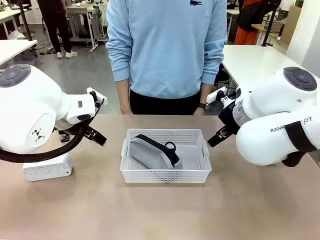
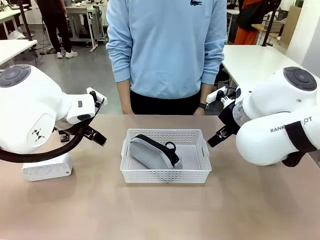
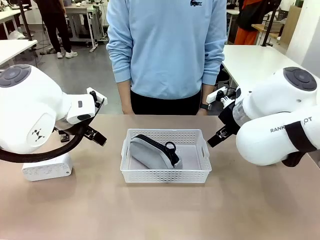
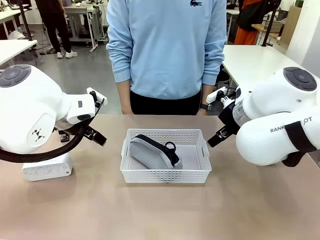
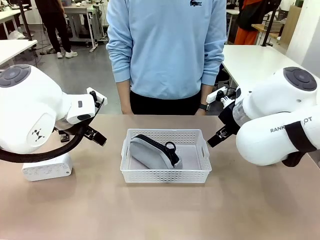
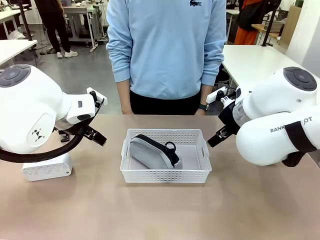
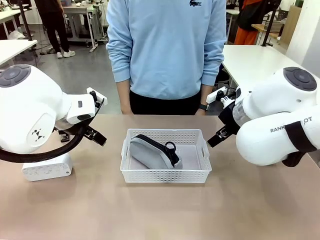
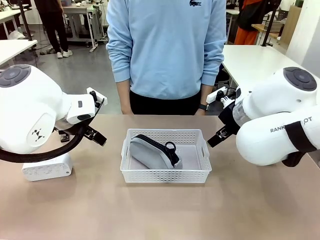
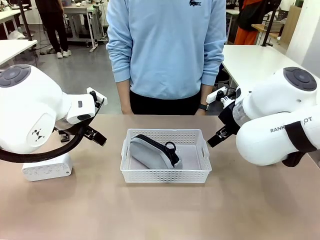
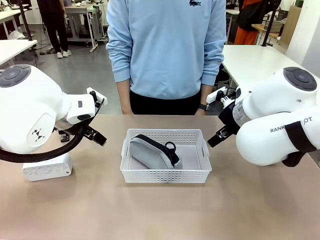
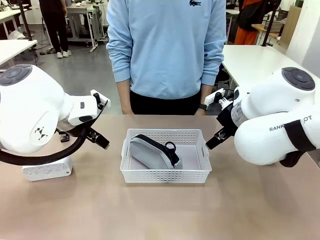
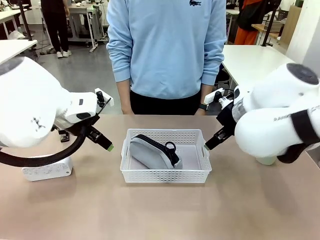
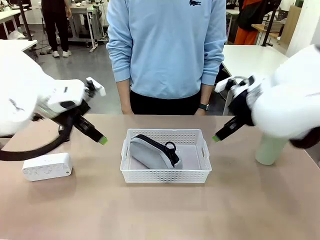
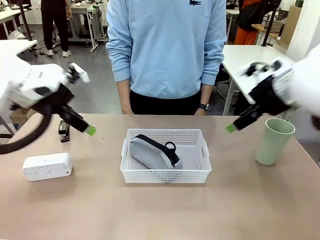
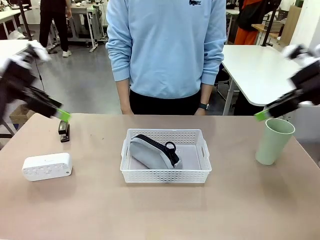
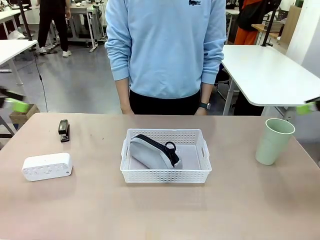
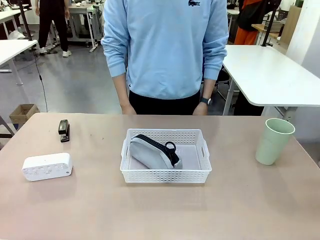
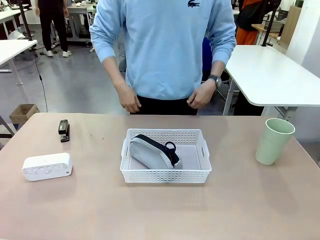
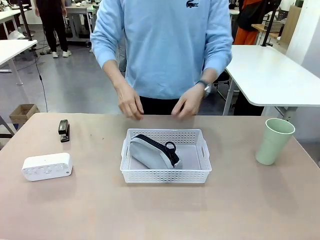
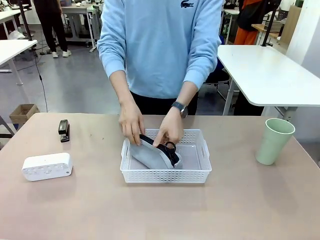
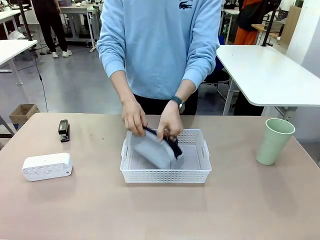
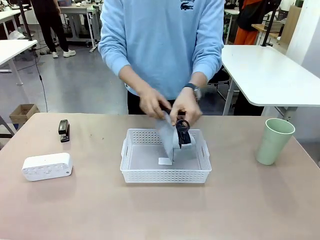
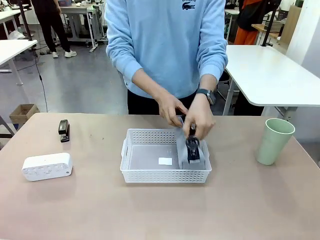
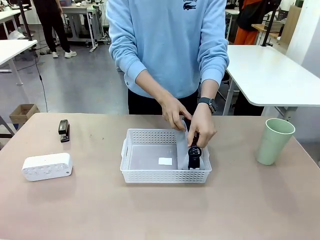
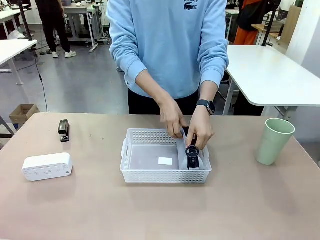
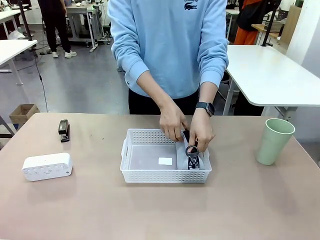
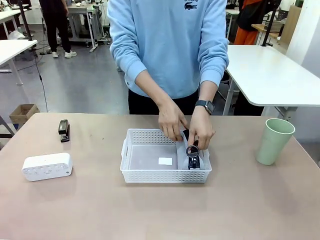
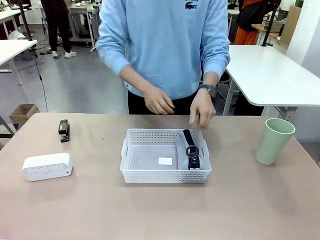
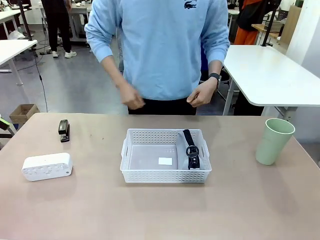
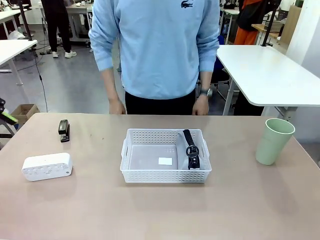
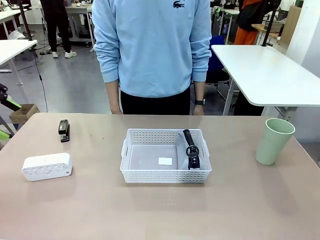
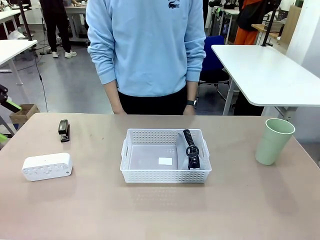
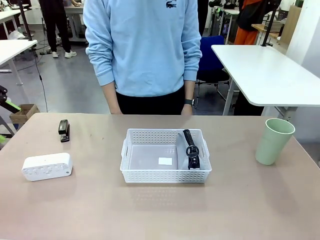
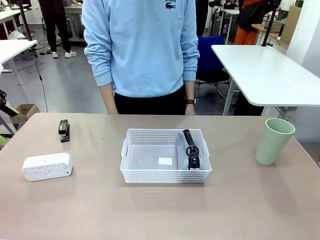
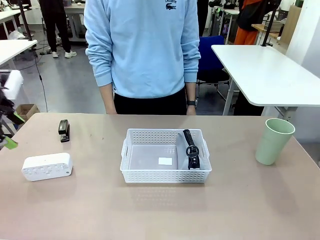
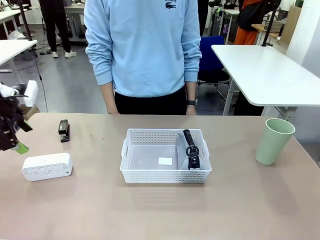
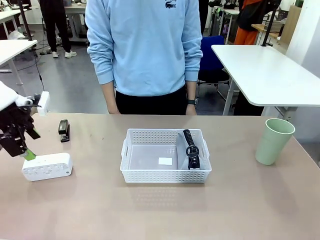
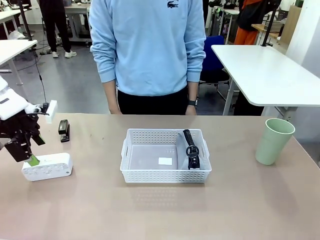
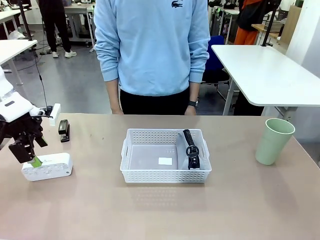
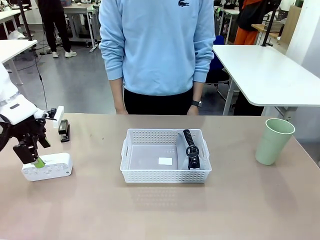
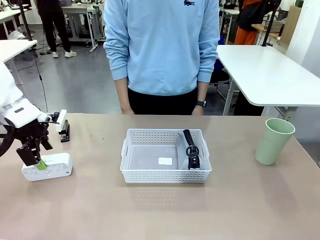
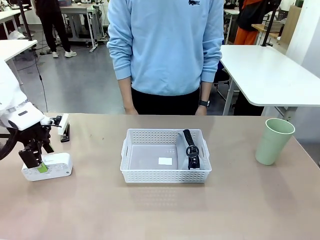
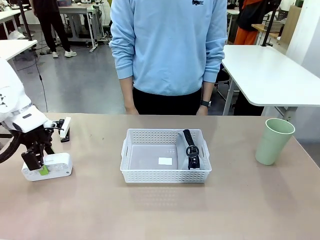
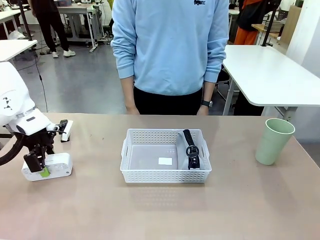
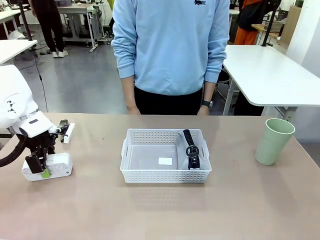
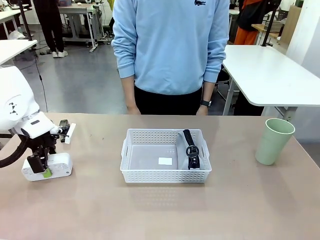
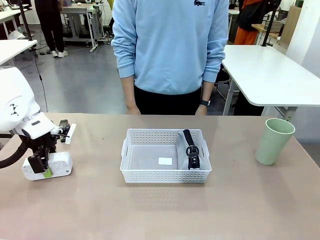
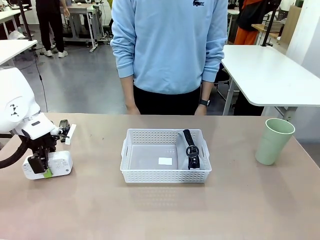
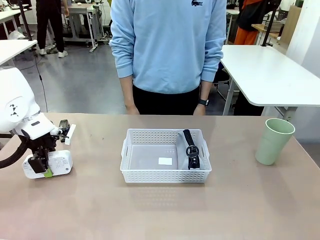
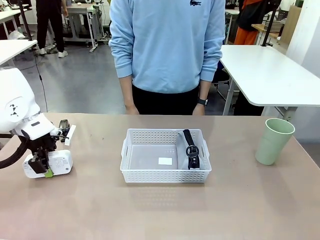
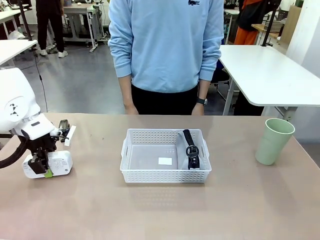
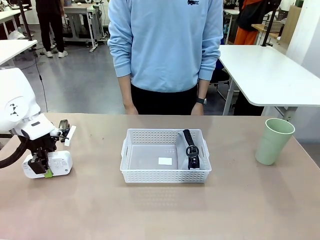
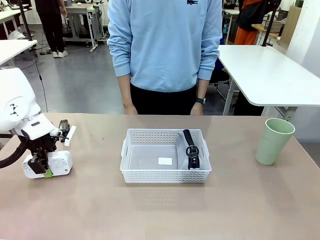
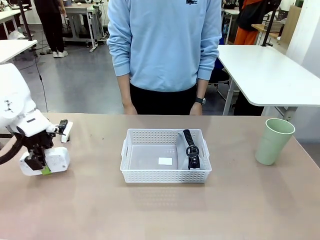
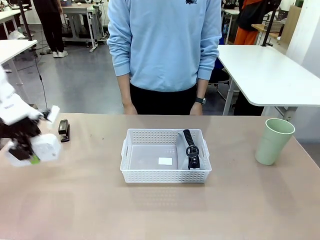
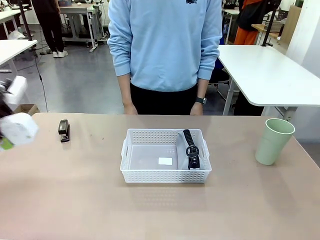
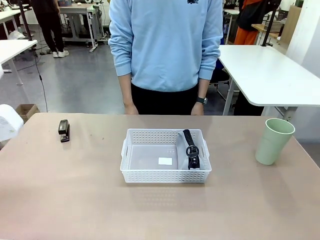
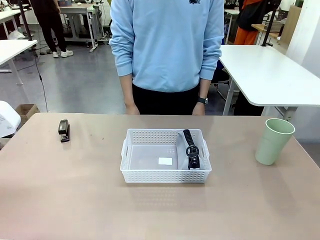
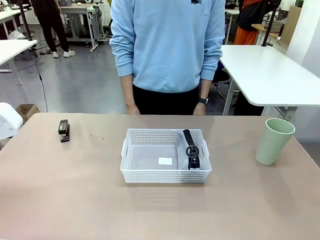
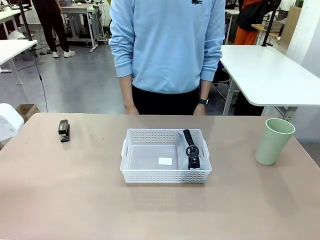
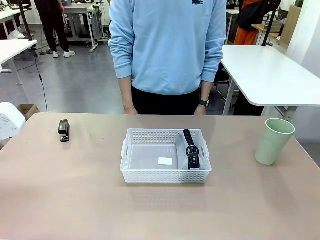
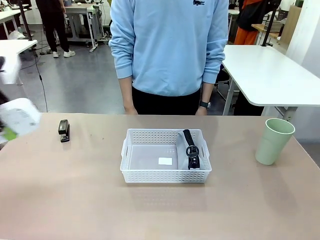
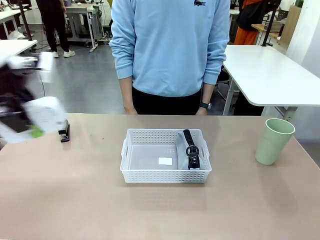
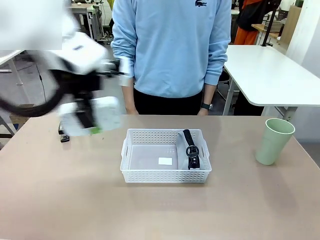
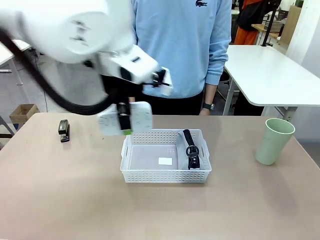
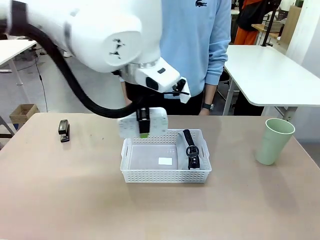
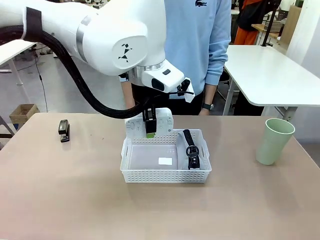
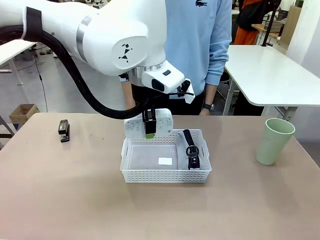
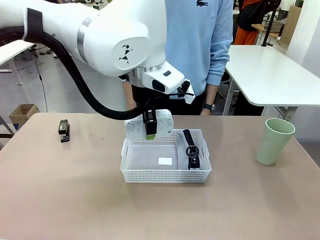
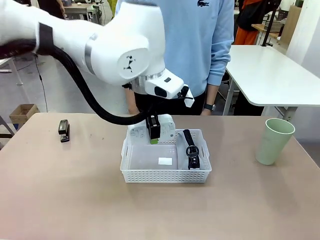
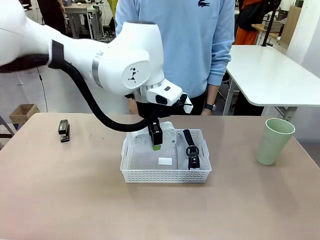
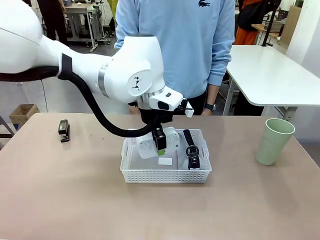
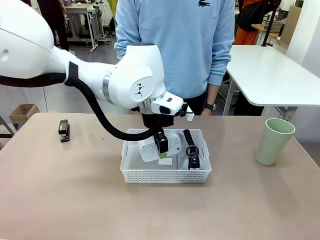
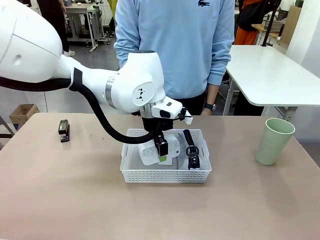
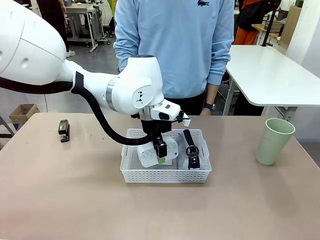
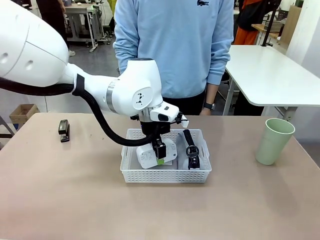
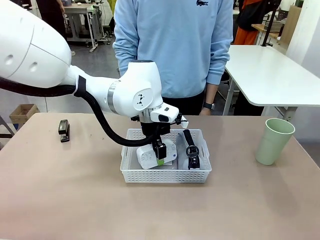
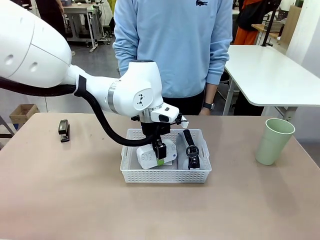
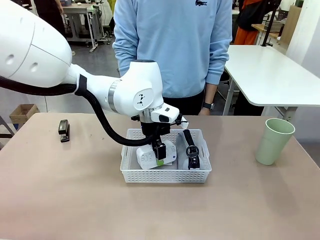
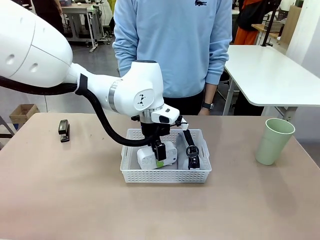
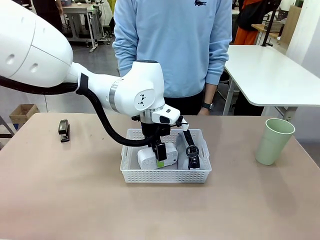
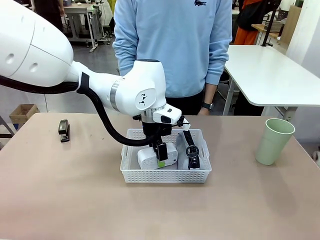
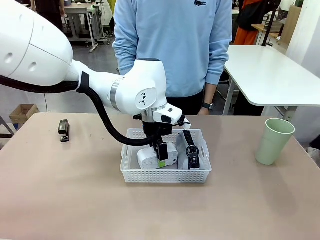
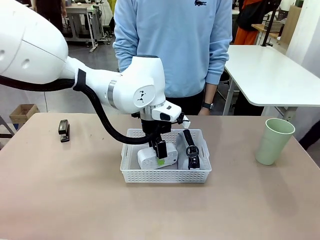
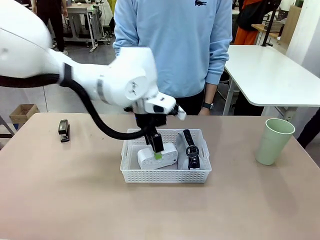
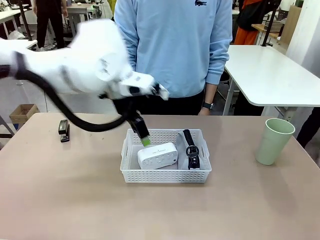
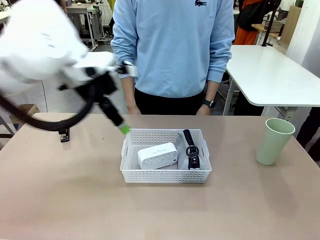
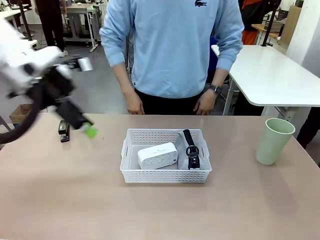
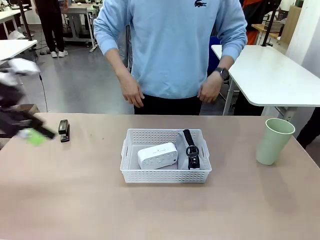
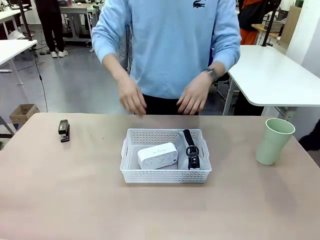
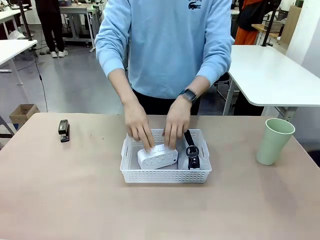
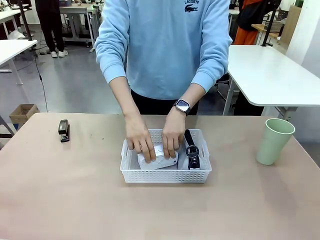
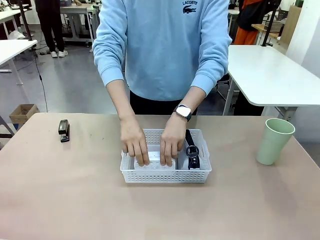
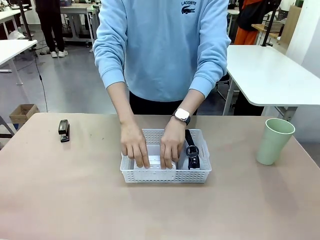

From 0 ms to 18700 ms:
Task: Efficiently arrange items inside the basket to fit them all.
Robot: Pick up the Digital clock and place it inside the Organizing basket.
Person: Repositions the pencil case. Repositions the digital clock.
